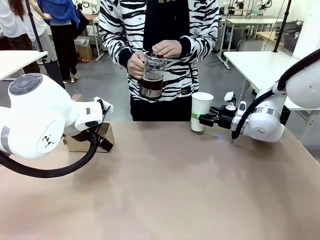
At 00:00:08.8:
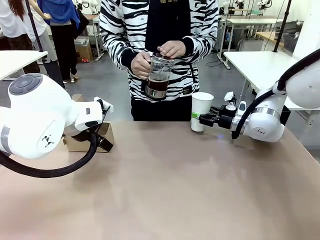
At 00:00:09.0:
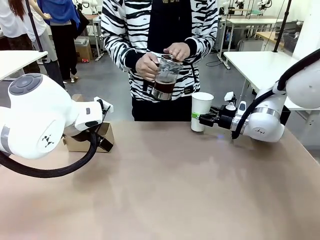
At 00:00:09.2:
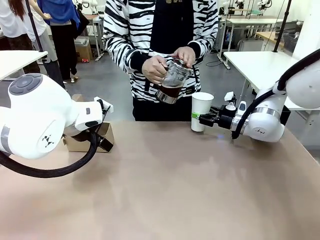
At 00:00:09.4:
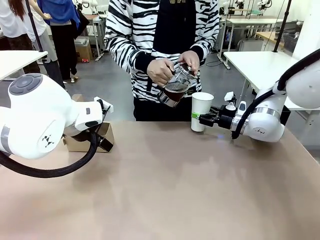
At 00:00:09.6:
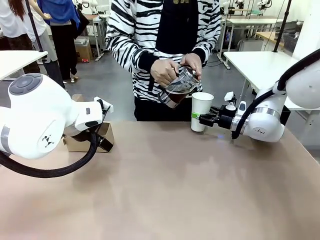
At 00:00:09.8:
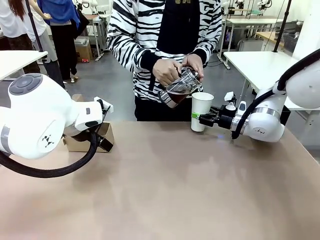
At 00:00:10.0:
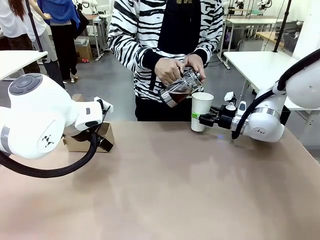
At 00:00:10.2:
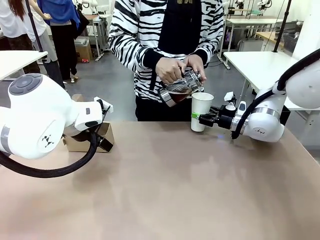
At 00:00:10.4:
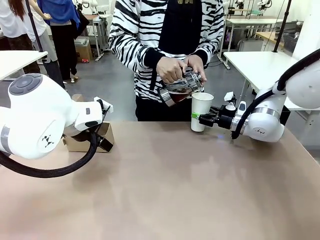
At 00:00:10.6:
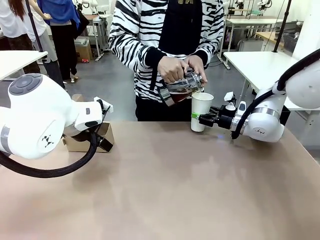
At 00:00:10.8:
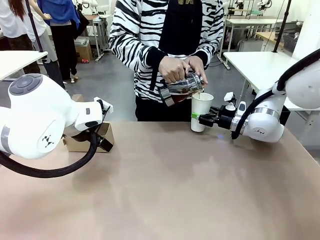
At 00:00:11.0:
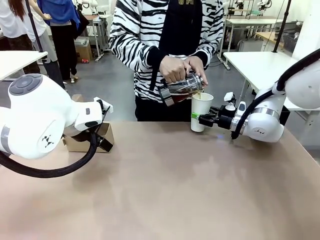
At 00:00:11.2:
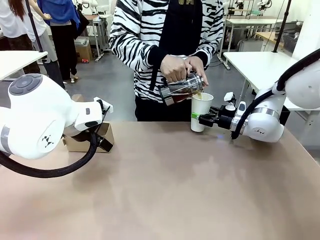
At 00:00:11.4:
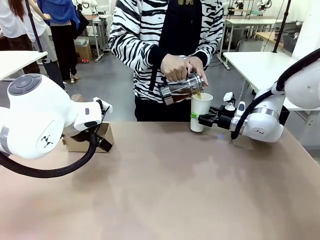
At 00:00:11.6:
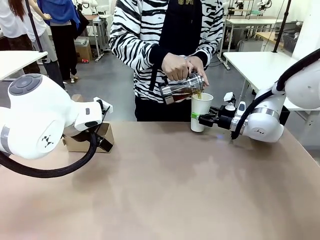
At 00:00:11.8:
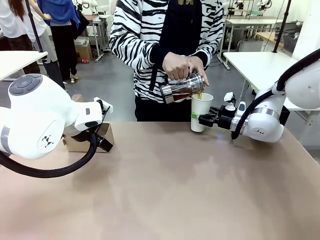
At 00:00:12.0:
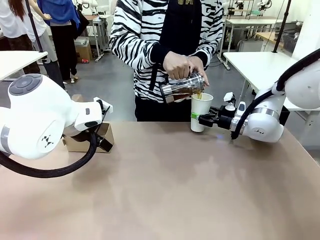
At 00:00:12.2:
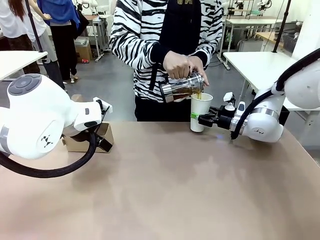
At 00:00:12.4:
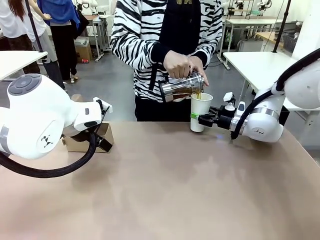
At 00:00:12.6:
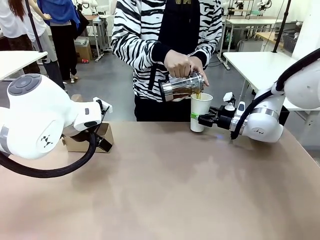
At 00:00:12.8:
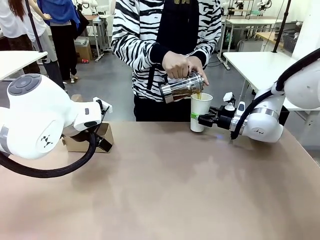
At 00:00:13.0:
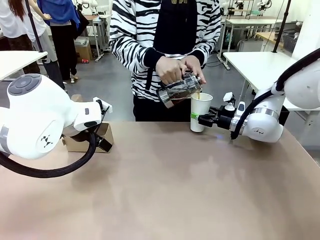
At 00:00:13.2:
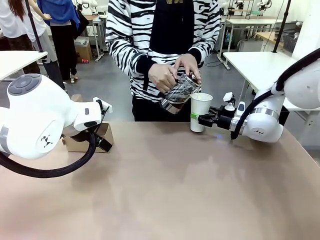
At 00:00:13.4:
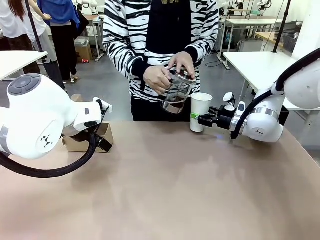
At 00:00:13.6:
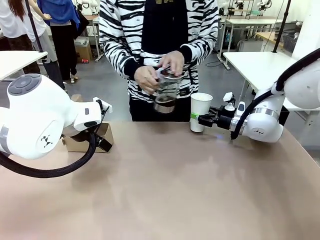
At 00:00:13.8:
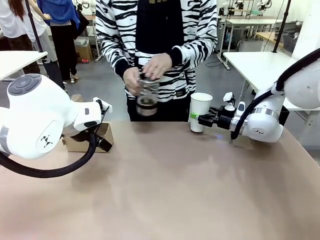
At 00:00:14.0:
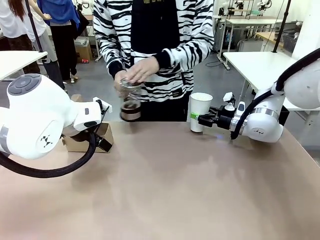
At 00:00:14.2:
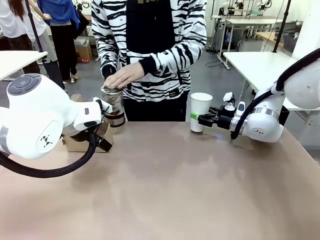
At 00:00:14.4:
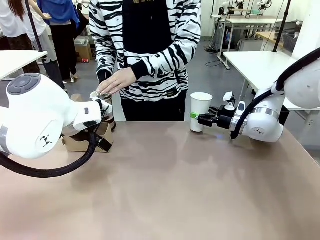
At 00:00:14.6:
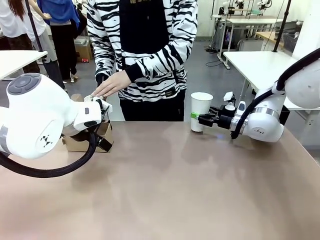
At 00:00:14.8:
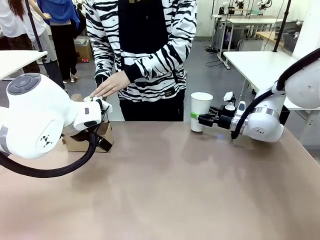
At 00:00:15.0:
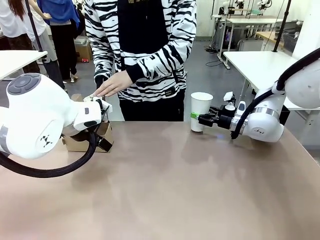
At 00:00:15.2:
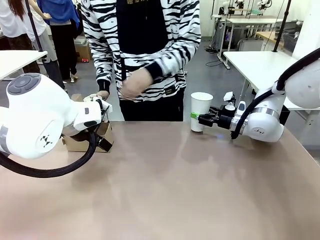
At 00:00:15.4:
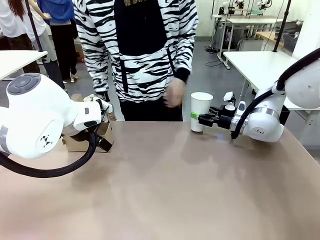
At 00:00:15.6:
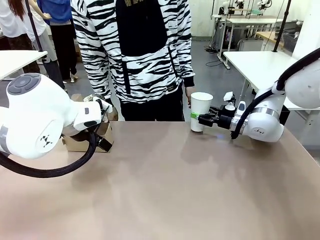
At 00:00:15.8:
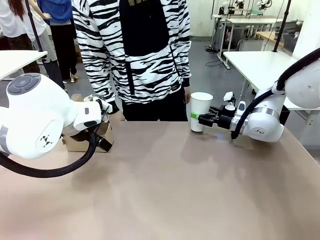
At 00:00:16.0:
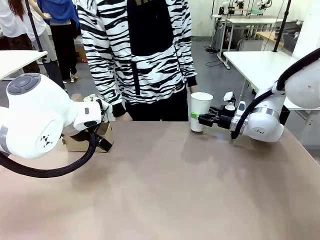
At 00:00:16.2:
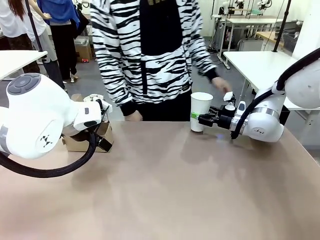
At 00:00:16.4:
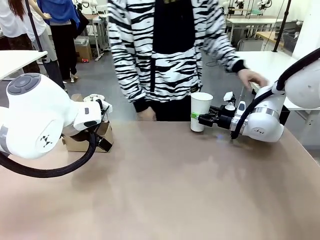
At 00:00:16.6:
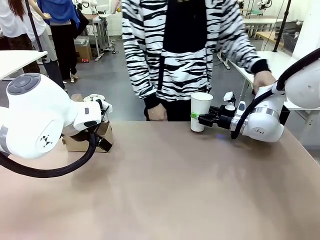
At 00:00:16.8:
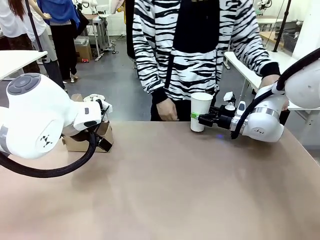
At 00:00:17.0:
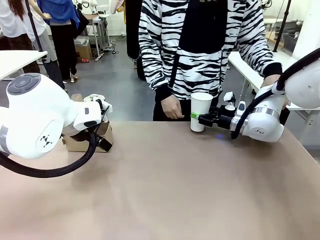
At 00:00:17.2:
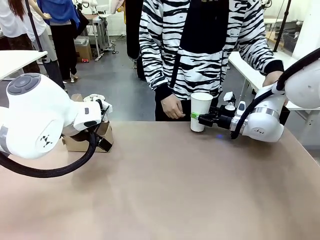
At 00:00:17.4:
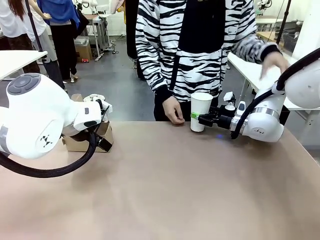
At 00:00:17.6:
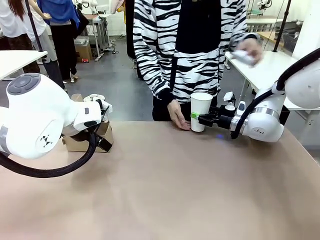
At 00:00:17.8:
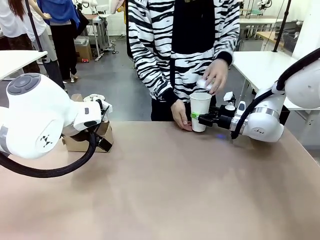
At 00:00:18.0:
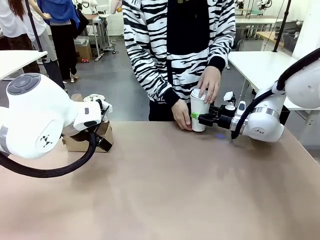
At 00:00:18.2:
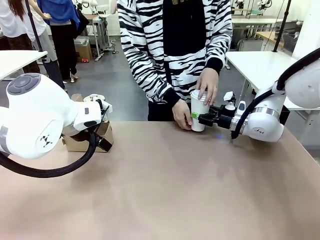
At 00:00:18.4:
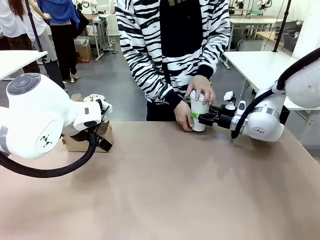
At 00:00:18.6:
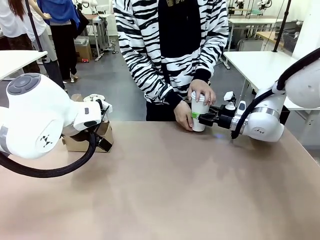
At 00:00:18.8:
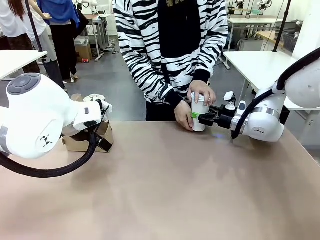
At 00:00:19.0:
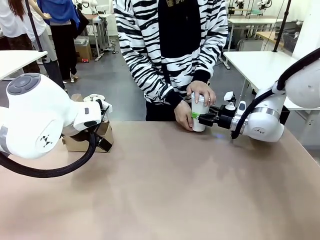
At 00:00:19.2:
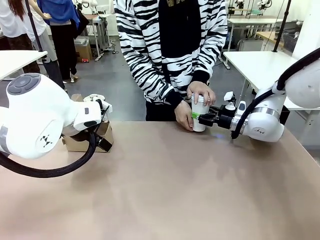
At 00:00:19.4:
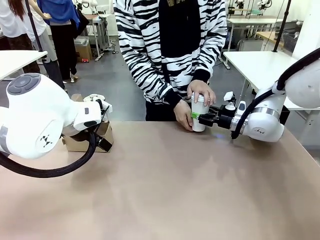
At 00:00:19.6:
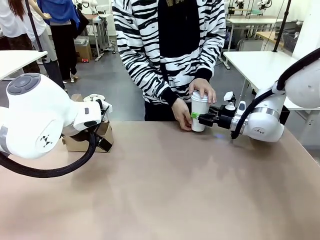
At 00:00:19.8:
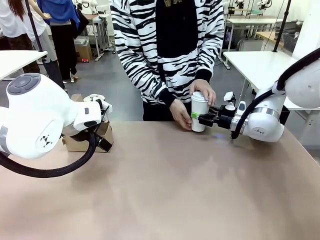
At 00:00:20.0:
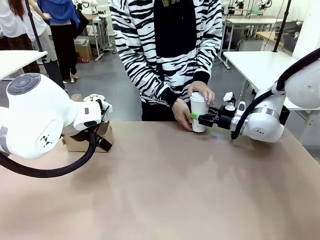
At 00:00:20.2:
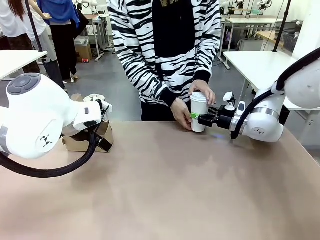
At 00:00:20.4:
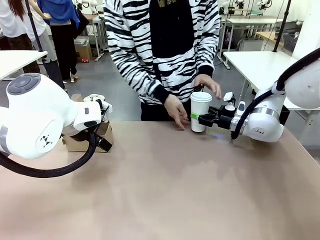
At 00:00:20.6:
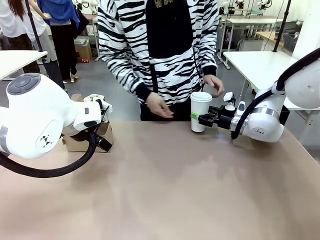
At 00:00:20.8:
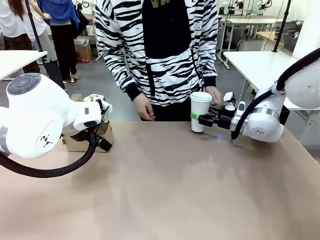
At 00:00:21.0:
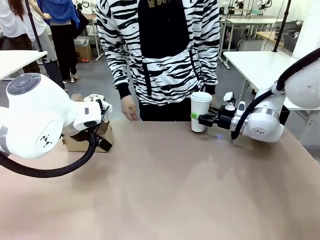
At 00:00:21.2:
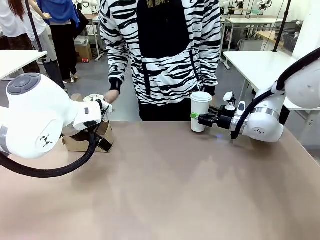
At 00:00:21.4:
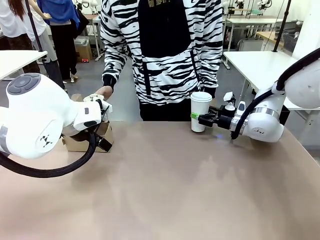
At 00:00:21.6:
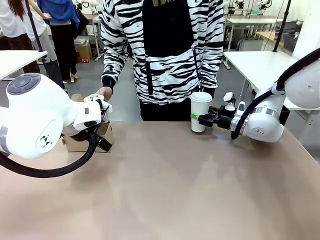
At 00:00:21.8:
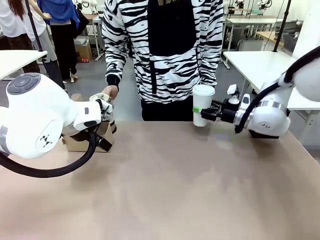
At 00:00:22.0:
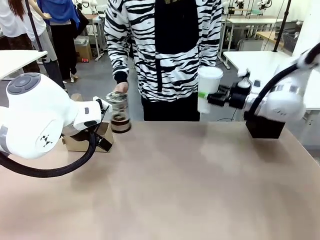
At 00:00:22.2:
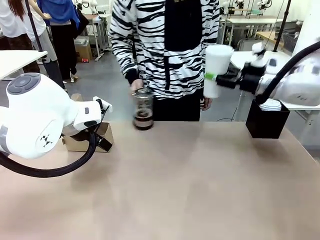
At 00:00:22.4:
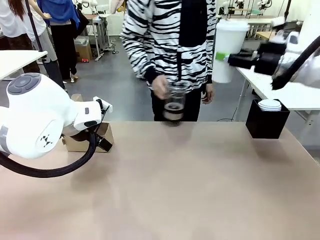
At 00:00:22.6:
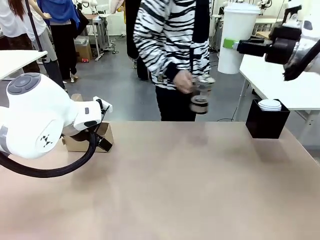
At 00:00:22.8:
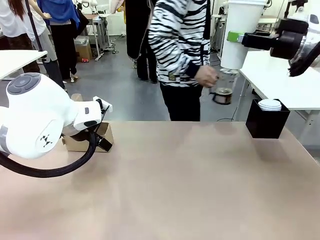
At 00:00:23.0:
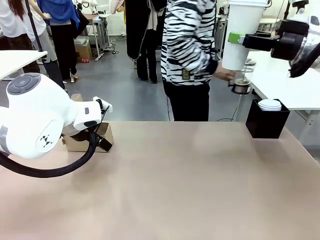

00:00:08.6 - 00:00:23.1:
Task: Pour a drink into a cup and package it in a carrier.
Robot: When a person places the Paper Cup Lid on the 600 ml Paper Cup , lift the 600 ml Paper Cup.
Person: Pour the drink from the Filter Brewing into the 600 ml Paper Cup. Place a Paper Cup Lid on the 600 ml Paper Cup.

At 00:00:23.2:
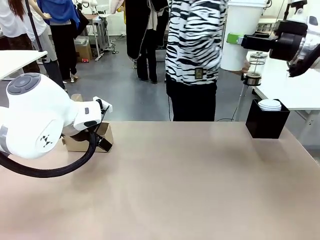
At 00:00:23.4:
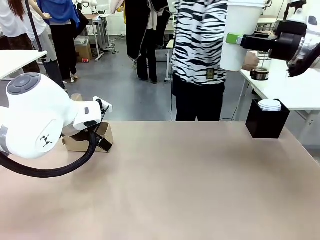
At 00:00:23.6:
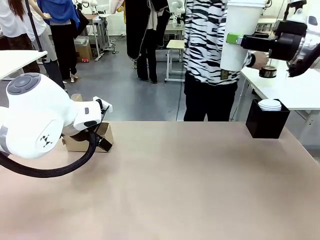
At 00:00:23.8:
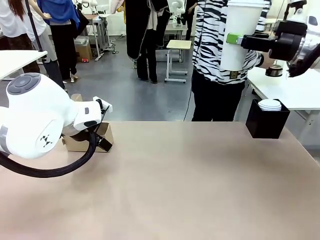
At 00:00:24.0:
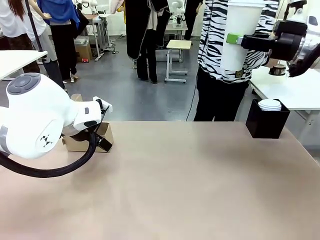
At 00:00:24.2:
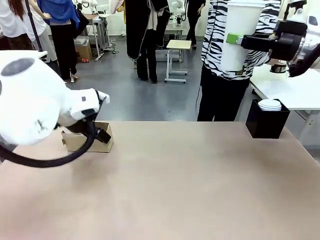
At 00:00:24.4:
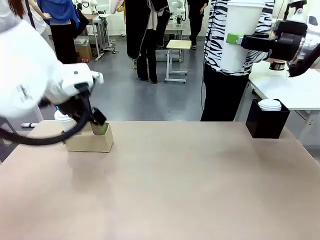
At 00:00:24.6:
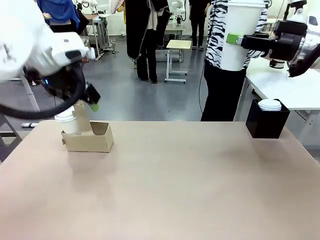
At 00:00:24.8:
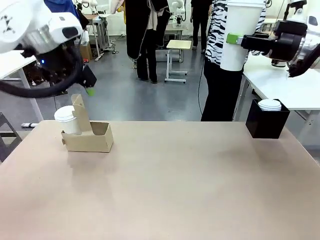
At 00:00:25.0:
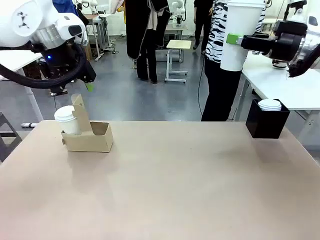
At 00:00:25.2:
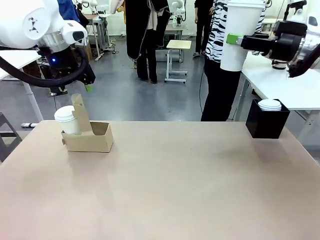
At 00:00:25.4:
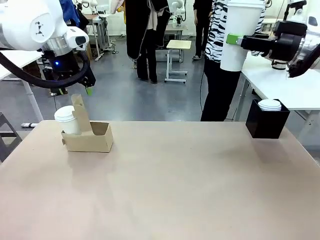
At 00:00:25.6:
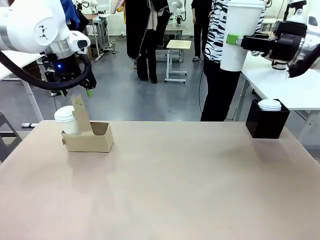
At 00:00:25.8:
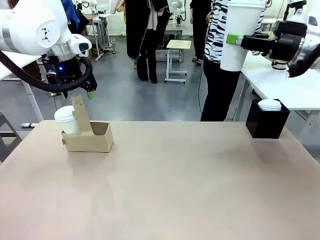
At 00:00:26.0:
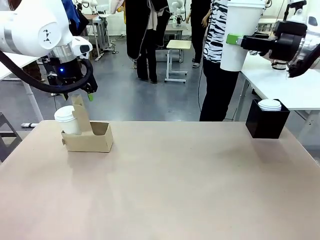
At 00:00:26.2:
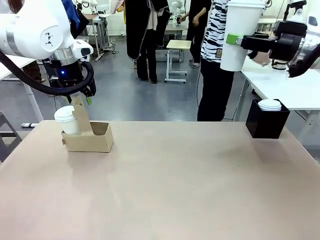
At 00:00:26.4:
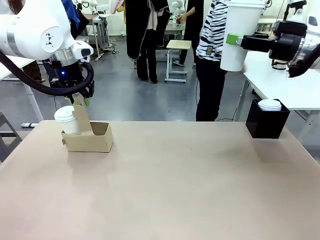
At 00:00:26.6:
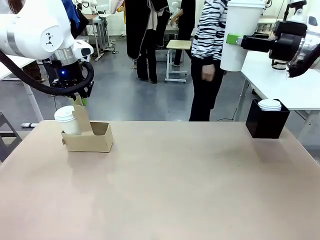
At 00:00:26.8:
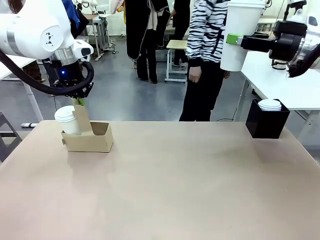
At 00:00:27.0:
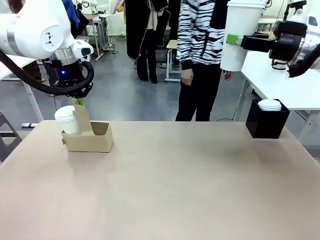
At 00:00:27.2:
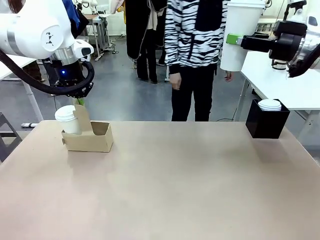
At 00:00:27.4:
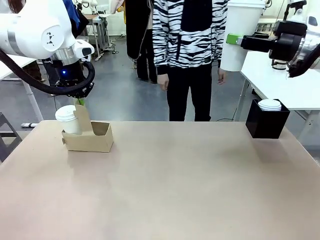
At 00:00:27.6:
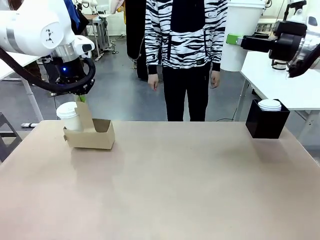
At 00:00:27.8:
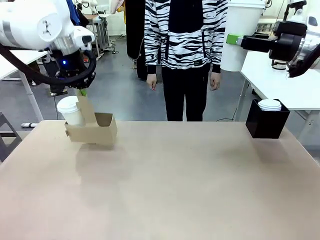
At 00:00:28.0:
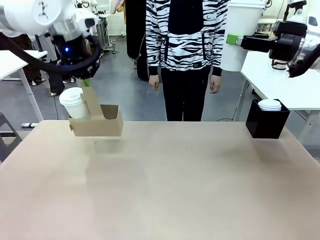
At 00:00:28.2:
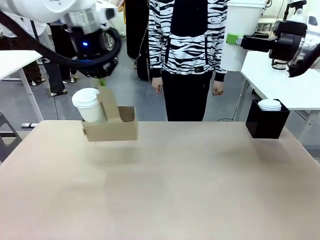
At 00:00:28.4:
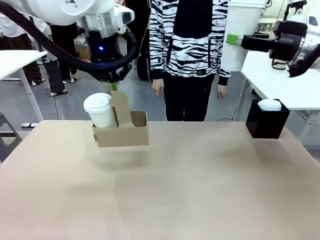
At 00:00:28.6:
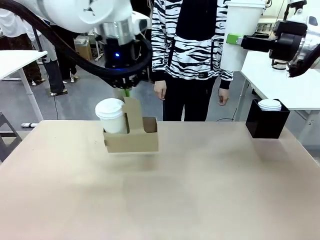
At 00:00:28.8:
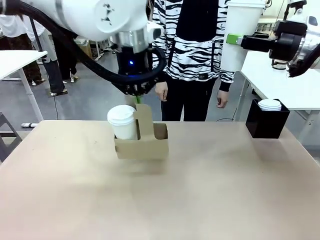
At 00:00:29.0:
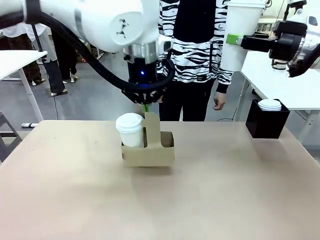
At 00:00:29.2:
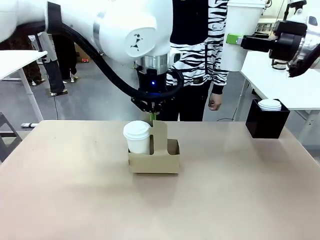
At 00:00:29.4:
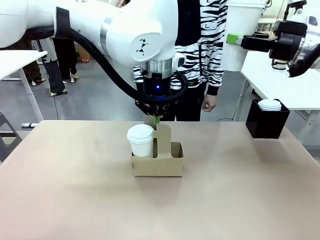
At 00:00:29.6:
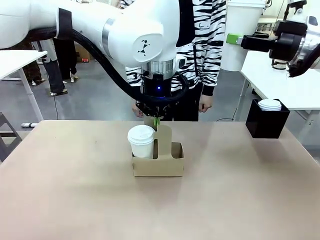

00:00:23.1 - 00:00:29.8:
Robot: Position the Cup Carrier in the center of the table.
Person: Pick up the Filter Brewing and place on the middle of Human table, and return to the Robot table.
